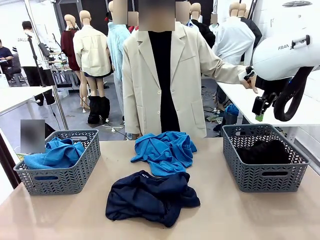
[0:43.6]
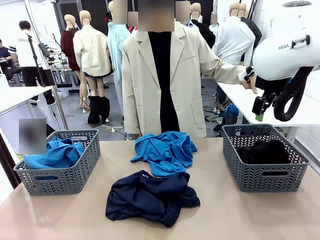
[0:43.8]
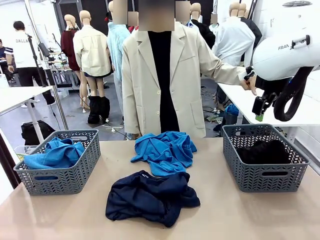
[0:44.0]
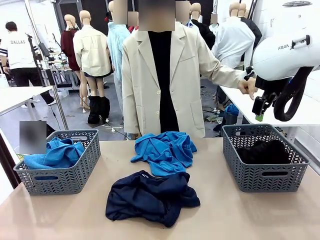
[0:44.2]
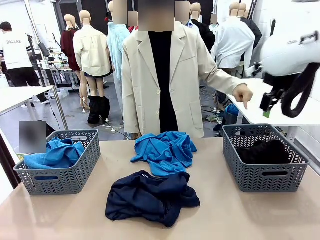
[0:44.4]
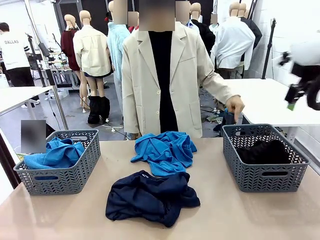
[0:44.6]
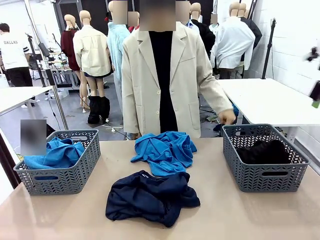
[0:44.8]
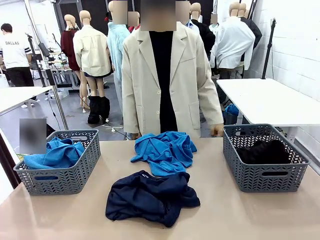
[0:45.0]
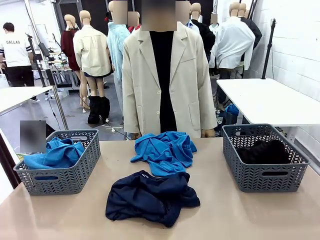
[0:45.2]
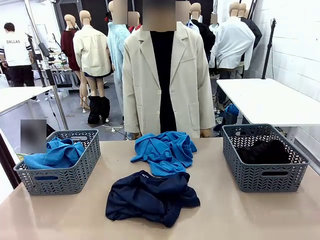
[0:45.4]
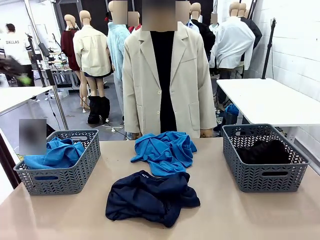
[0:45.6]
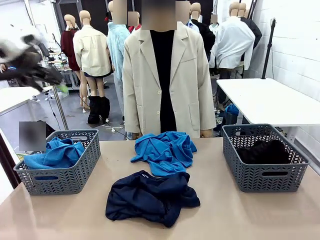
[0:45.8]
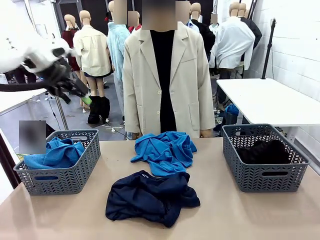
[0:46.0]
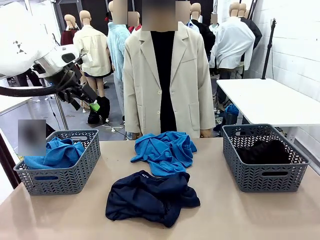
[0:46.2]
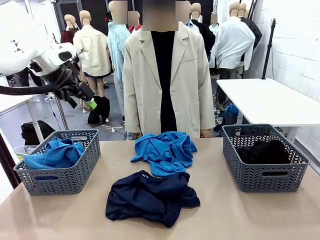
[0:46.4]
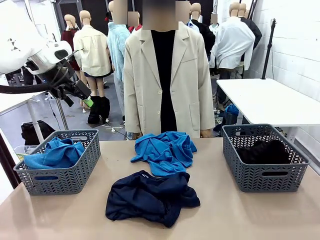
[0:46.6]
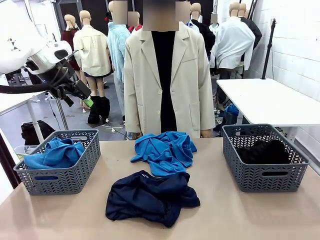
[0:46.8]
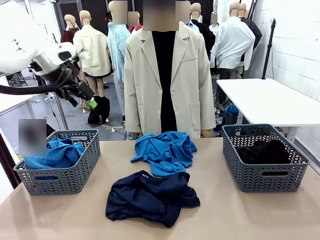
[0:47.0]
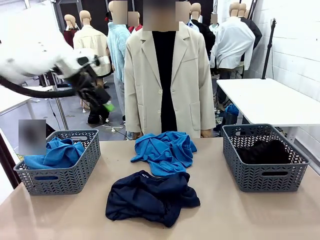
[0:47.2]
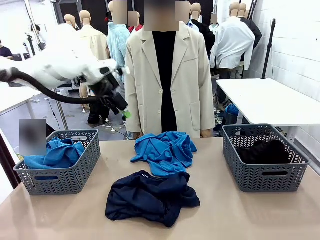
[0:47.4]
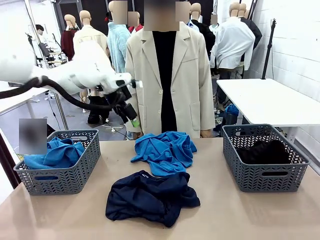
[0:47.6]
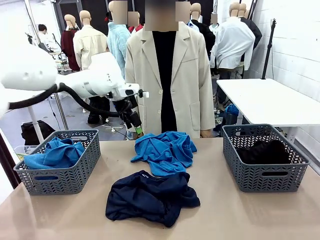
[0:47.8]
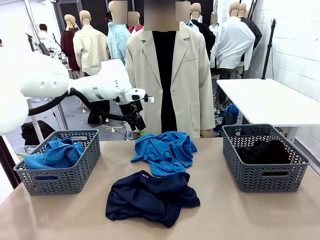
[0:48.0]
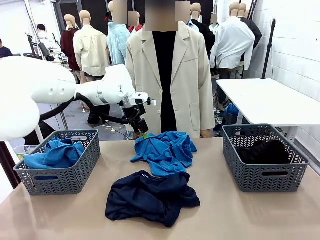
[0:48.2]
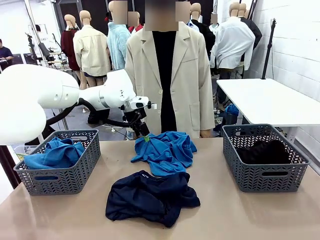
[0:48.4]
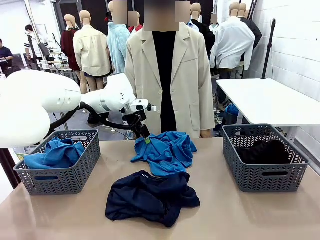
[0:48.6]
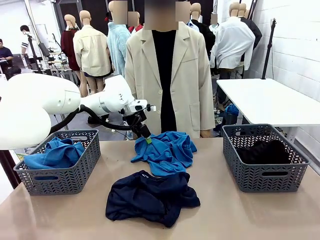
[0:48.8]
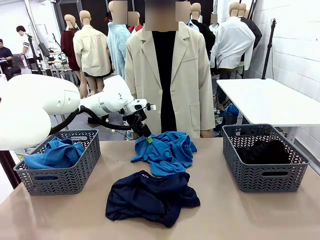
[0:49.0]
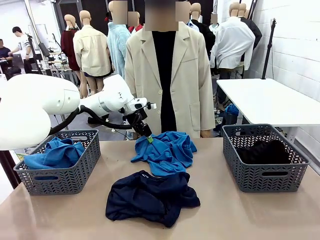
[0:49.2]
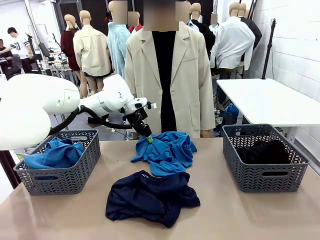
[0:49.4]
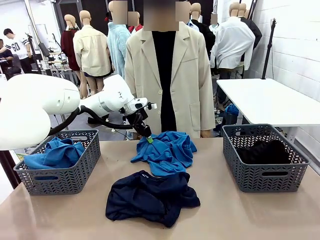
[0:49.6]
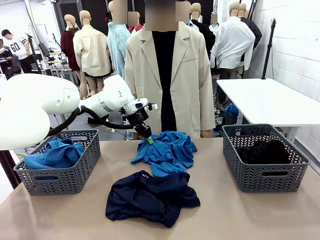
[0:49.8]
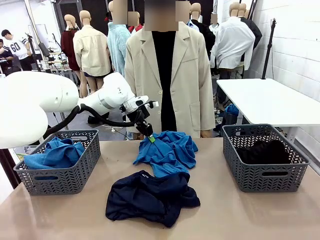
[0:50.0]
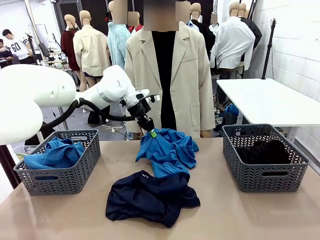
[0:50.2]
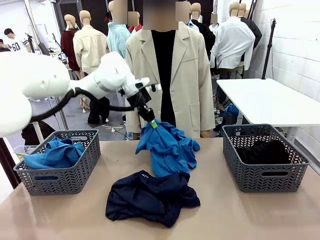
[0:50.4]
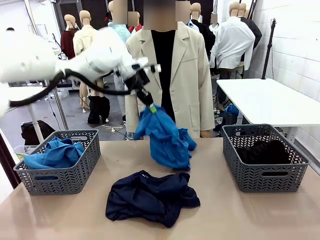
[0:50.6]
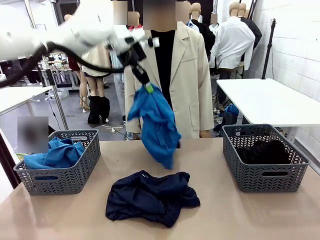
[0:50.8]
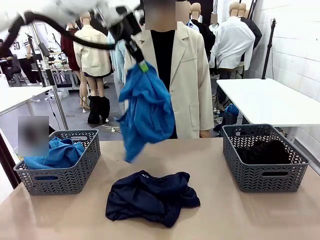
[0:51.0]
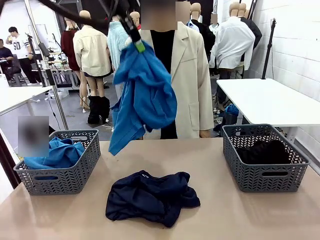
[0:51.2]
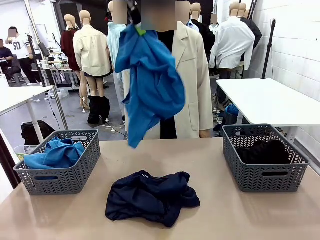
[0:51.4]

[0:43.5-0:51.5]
Task: Sort the tops and bottoms.
Robot: Lift clothes from the center of the table with your left hand.

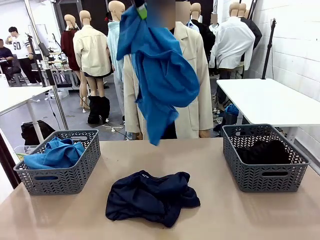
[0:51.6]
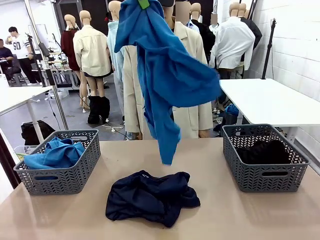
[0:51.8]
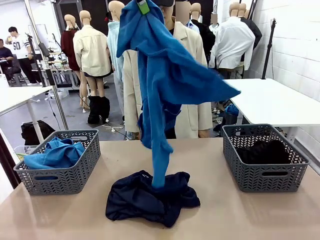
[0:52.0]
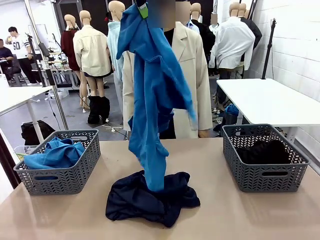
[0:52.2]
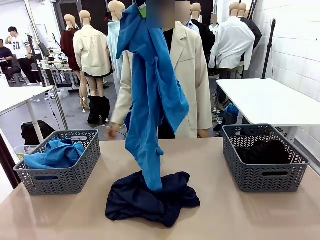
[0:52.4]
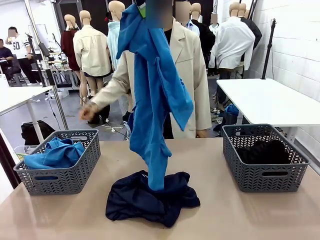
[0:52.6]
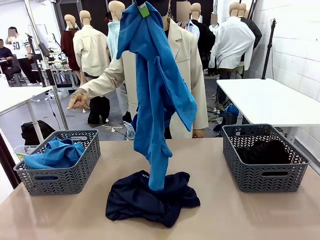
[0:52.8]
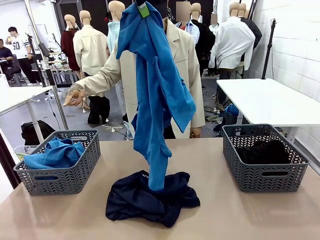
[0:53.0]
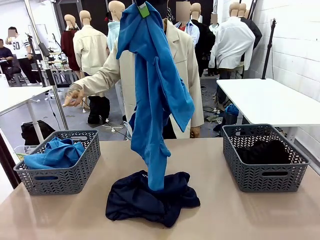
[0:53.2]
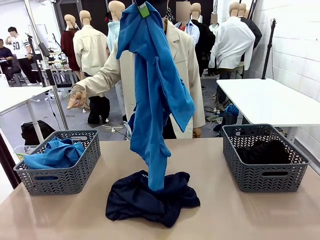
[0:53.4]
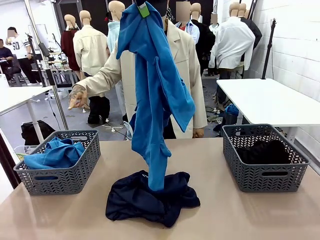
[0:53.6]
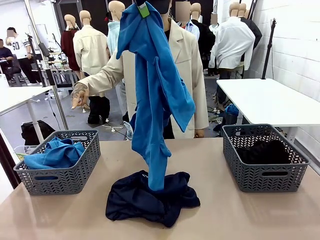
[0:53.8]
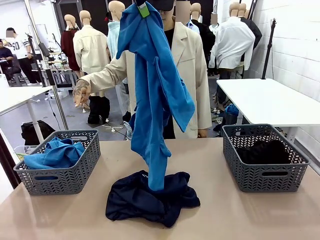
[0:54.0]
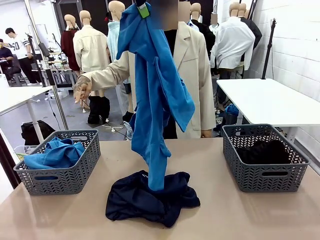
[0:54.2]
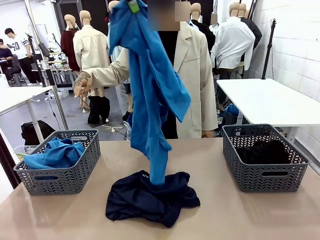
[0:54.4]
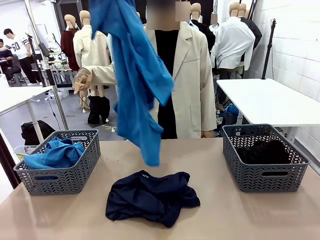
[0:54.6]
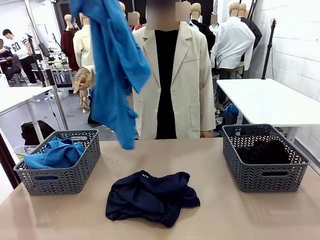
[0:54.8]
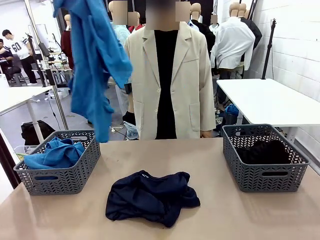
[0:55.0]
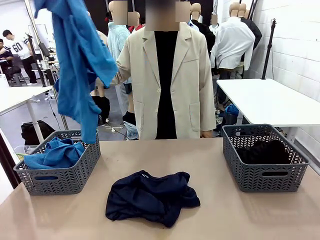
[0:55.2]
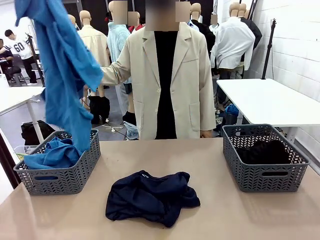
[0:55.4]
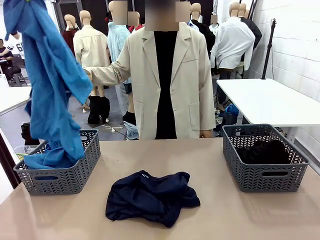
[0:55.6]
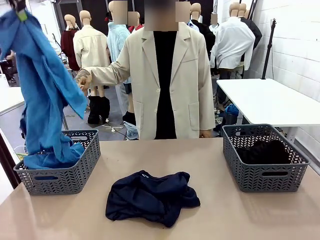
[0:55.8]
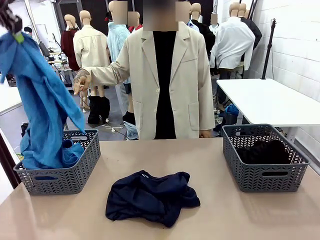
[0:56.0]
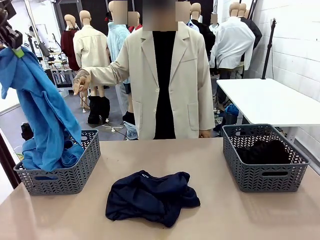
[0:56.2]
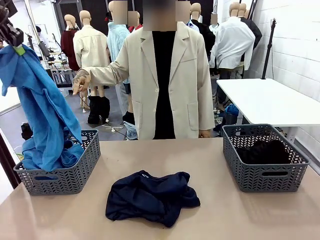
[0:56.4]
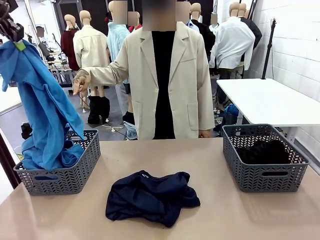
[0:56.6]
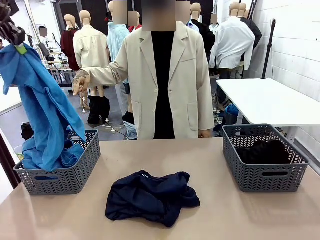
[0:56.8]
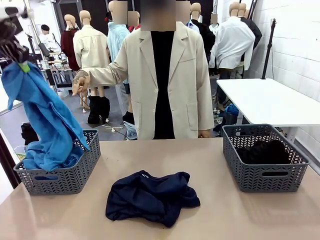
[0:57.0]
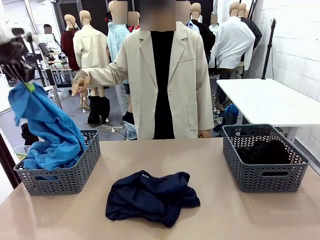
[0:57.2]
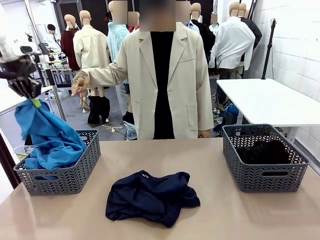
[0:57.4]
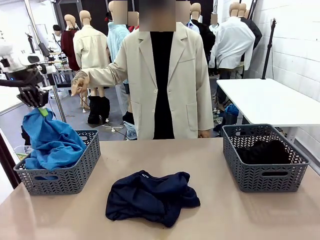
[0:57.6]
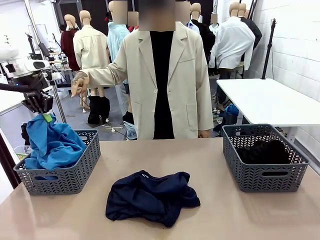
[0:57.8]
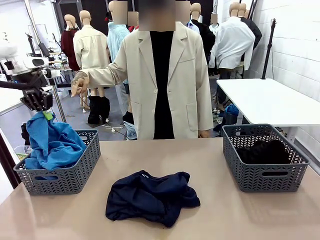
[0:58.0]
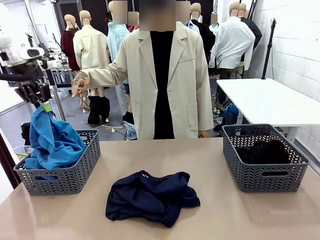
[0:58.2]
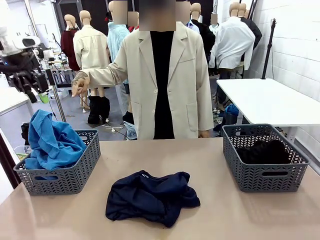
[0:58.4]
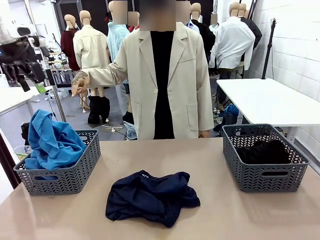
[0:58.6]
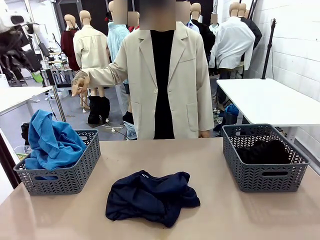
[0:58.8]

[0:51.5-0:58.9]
Robot: Sort the clothes according to human instructions.

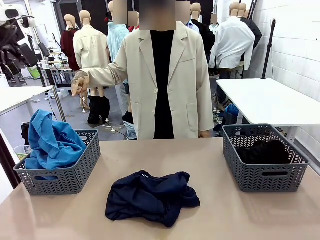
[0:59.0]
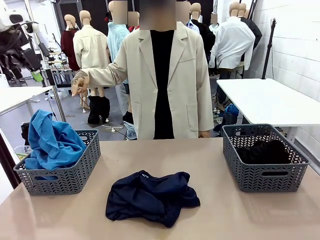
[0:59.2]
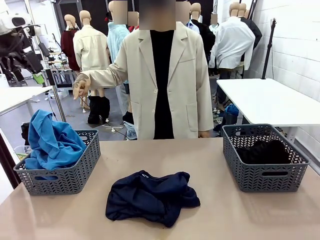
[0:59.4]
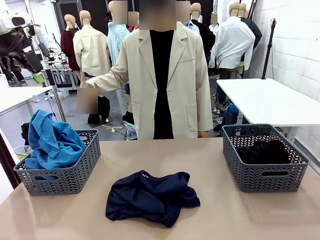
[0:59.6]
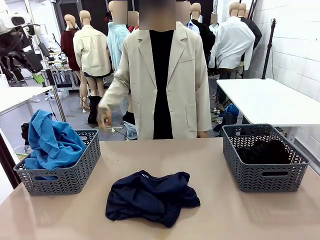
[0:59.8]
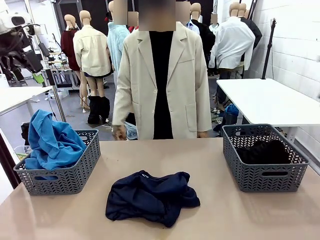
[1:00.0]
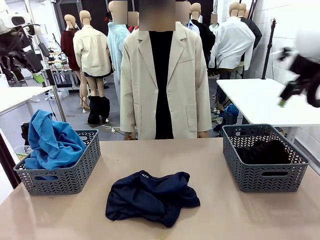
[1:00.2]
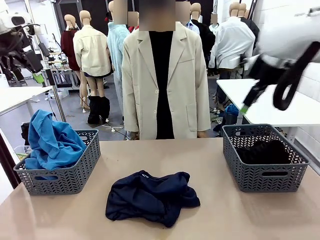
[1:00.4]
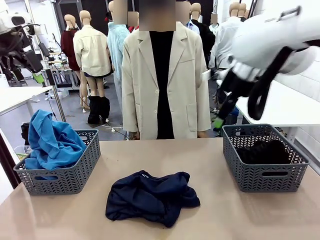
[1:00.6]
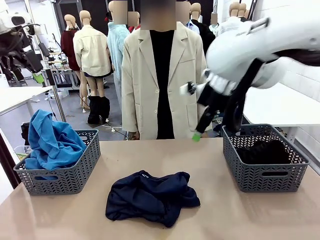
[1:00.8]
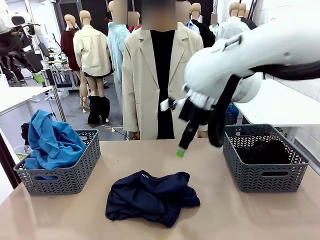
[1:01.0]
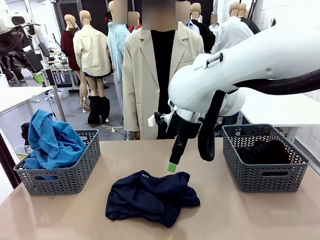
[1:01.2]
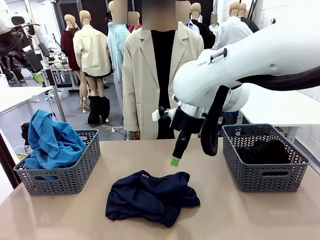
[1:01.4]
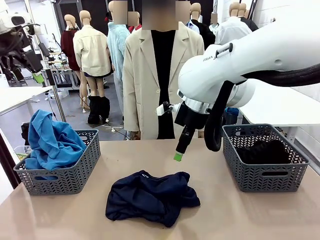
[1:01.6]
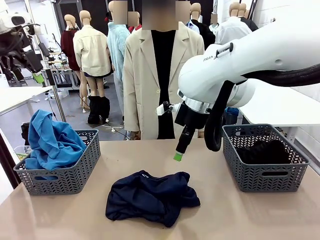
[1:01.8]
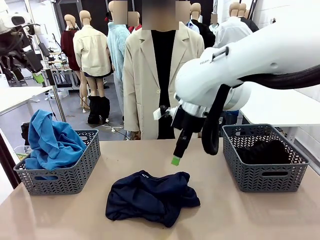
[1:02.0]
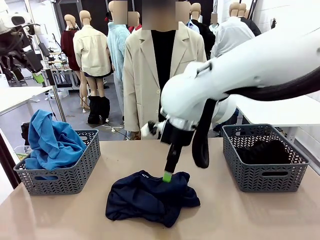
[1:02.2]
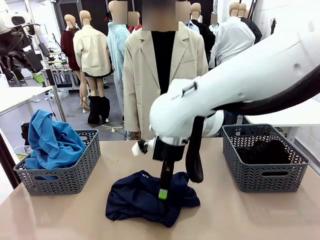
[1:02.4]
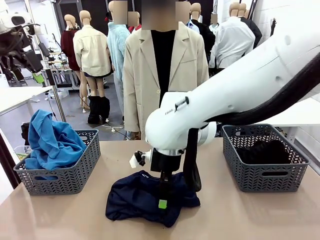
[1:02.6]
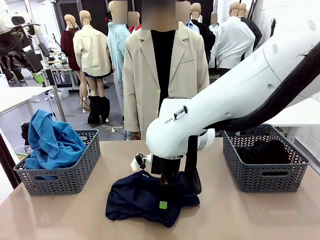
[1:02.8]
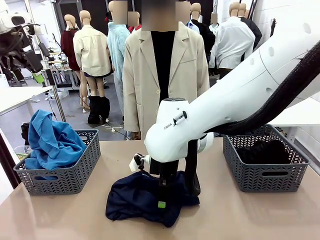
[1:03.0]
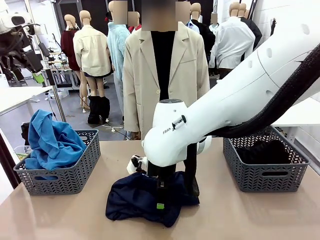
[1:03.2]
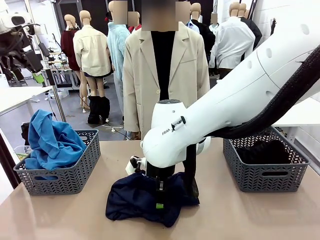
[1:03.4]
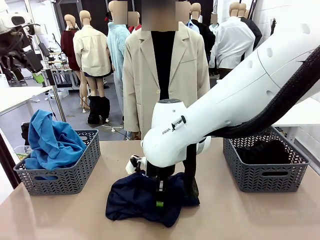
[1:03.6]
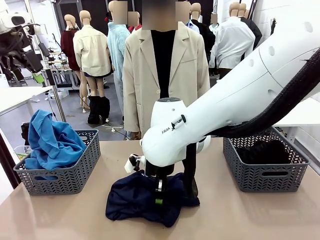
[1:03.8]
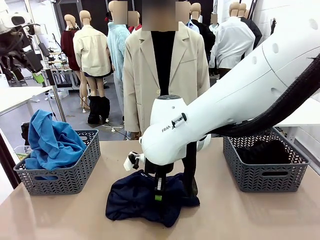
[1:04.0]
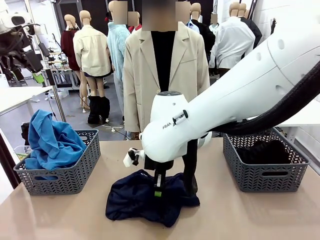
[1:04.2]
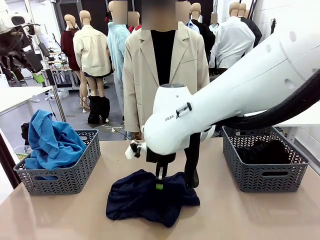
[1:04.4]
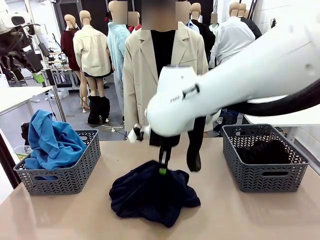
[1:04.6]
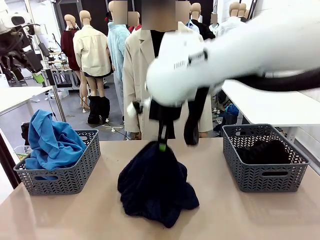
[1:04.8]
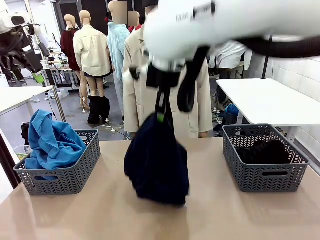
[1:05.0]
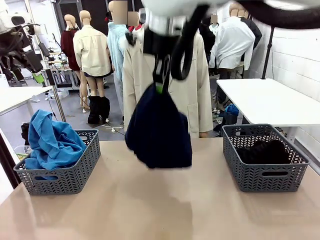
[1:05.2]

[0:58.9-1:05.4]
Robot: Lift clothes from the center of the table with your right hand.
